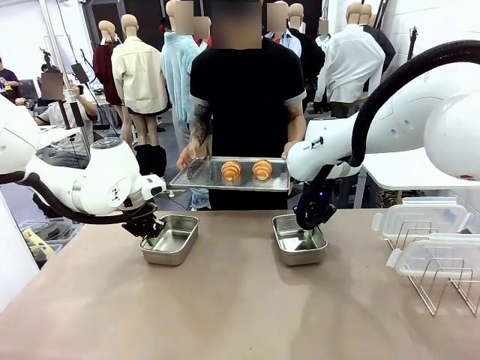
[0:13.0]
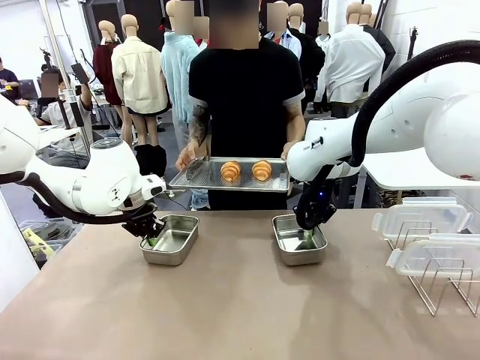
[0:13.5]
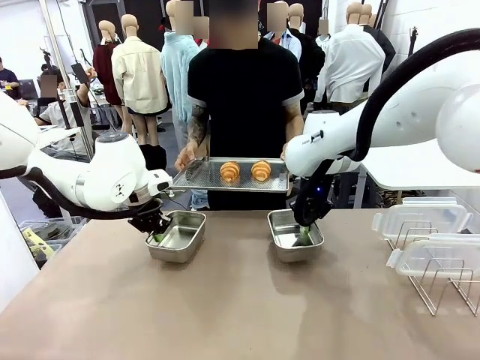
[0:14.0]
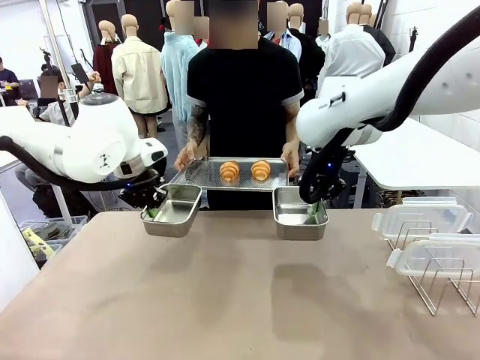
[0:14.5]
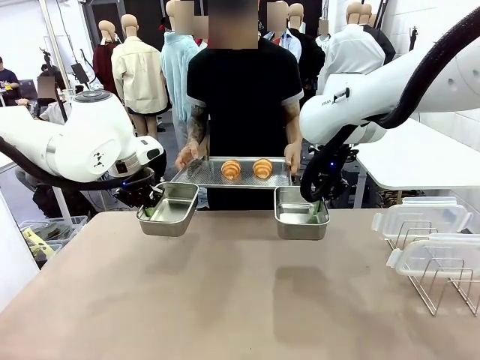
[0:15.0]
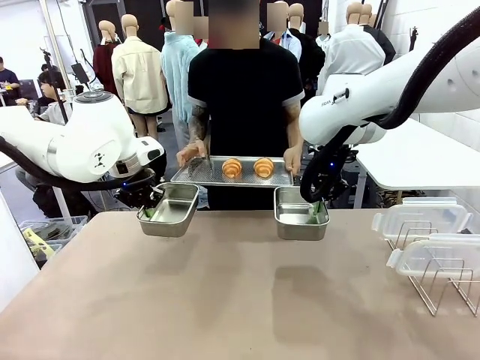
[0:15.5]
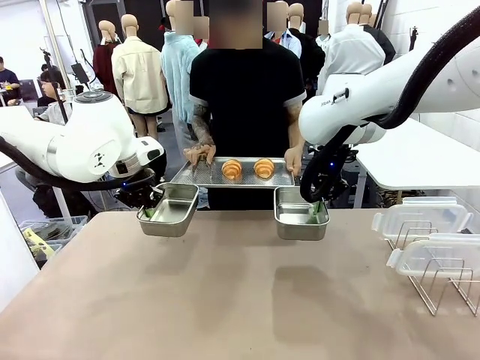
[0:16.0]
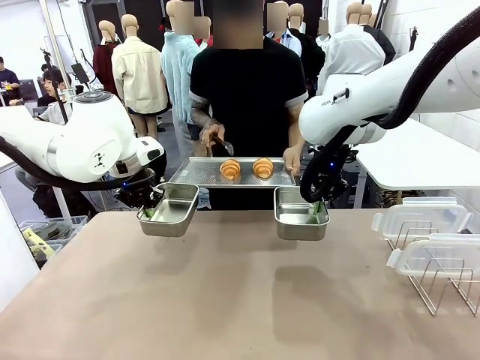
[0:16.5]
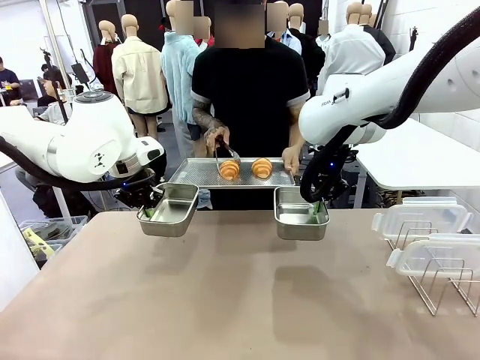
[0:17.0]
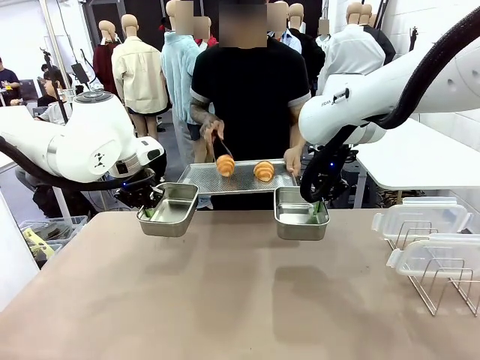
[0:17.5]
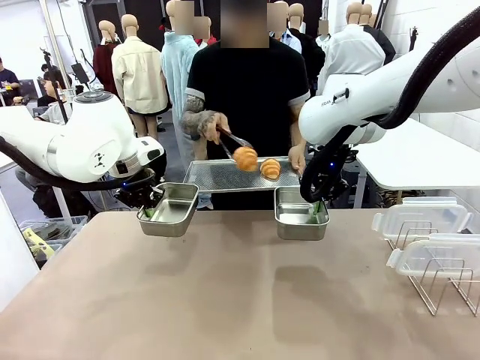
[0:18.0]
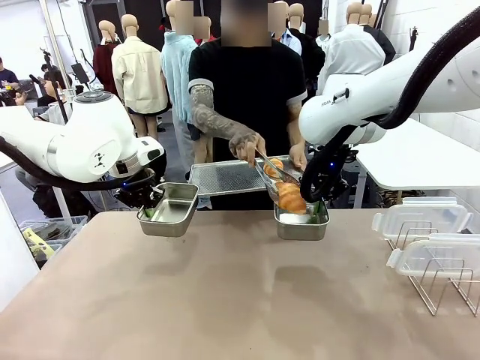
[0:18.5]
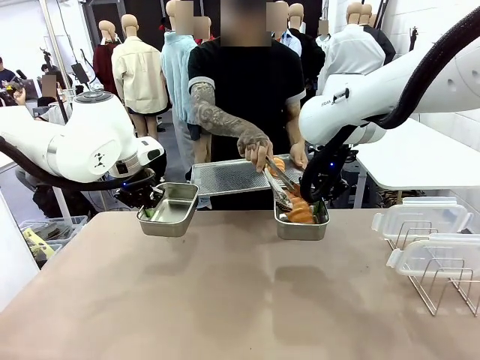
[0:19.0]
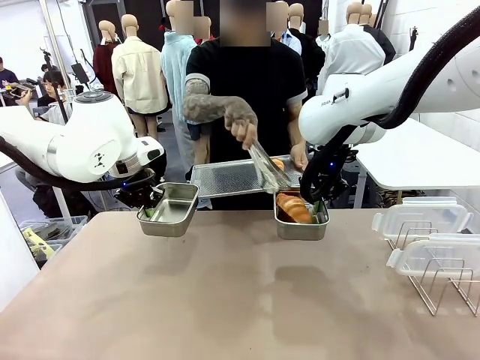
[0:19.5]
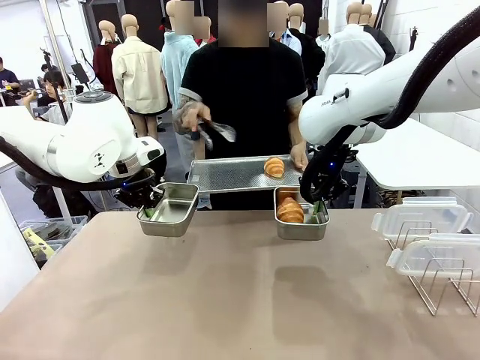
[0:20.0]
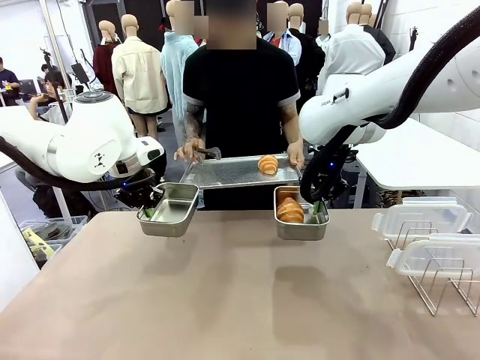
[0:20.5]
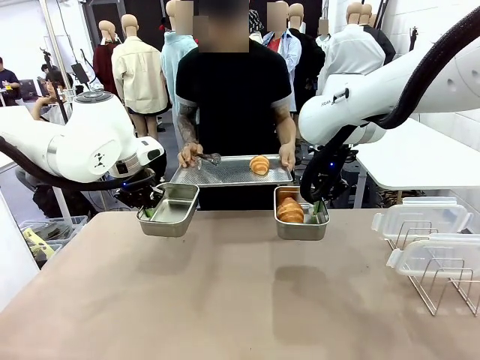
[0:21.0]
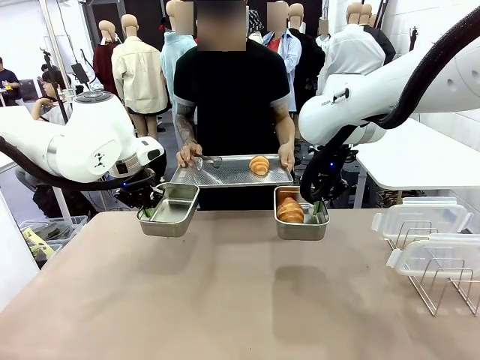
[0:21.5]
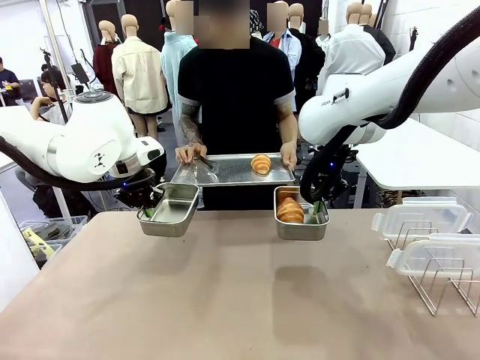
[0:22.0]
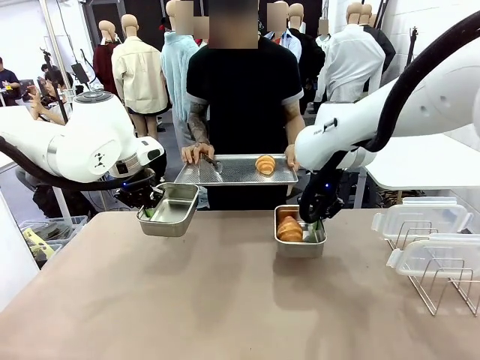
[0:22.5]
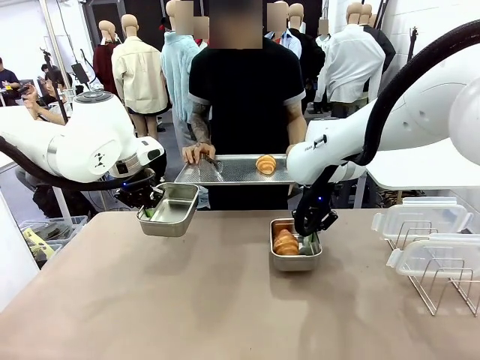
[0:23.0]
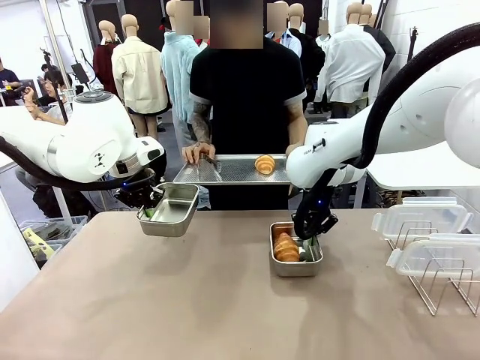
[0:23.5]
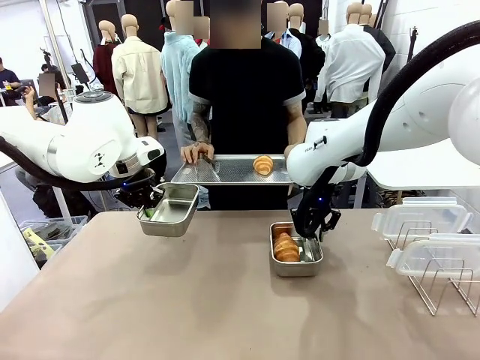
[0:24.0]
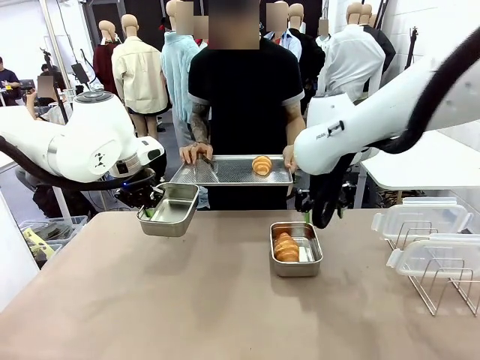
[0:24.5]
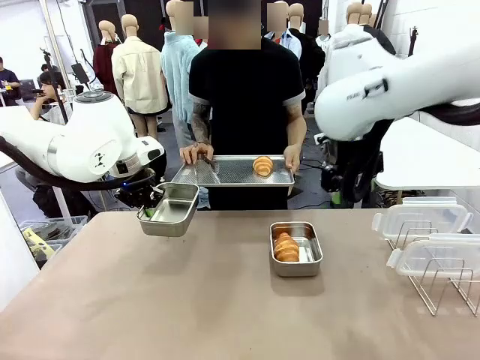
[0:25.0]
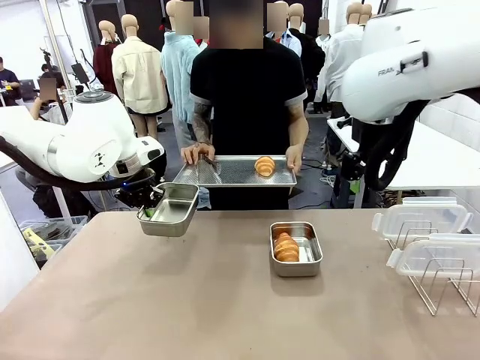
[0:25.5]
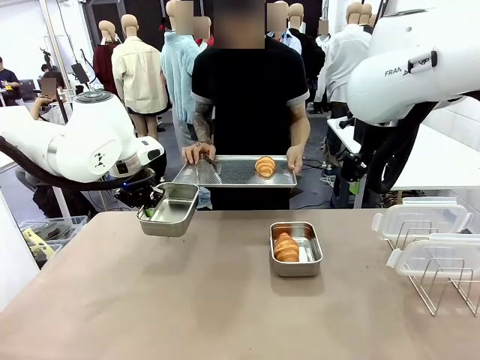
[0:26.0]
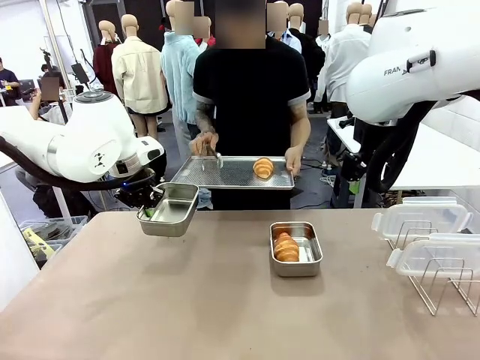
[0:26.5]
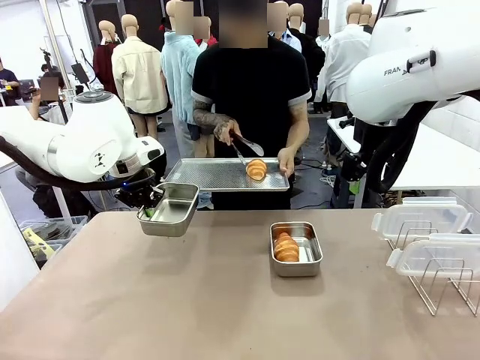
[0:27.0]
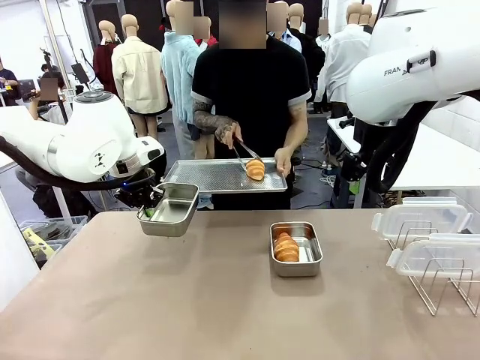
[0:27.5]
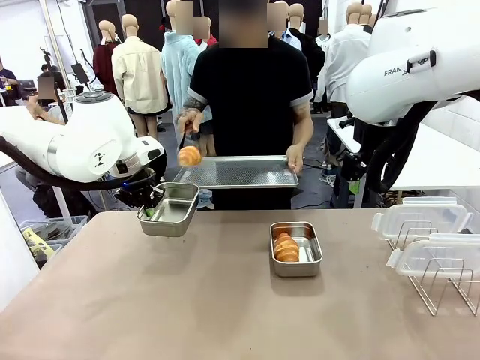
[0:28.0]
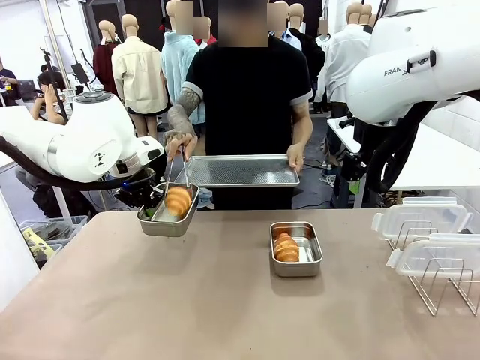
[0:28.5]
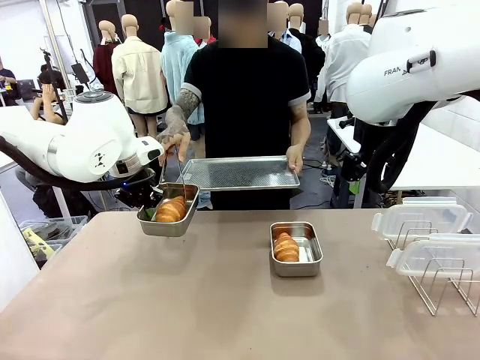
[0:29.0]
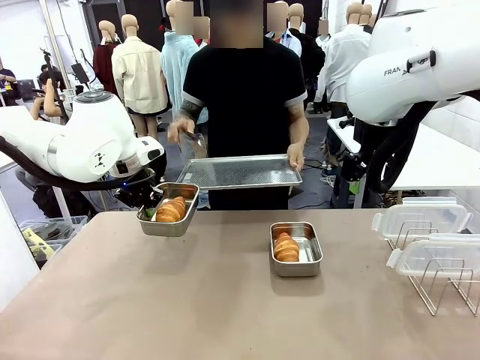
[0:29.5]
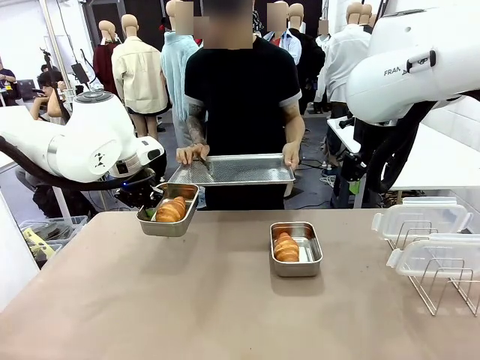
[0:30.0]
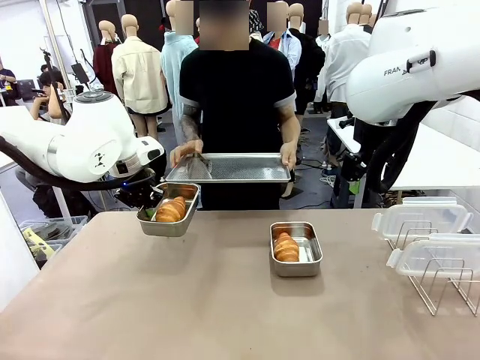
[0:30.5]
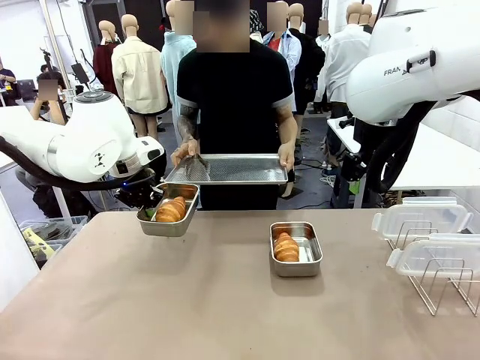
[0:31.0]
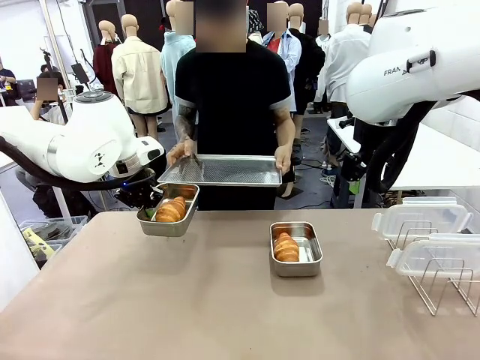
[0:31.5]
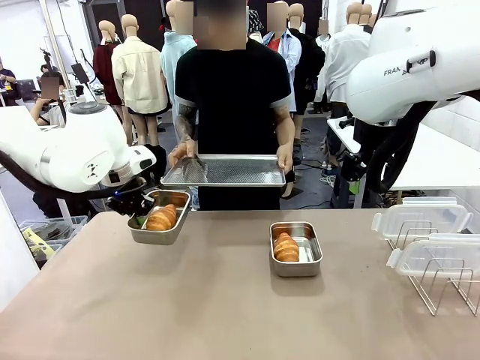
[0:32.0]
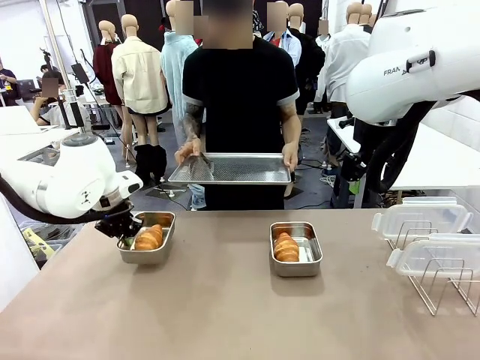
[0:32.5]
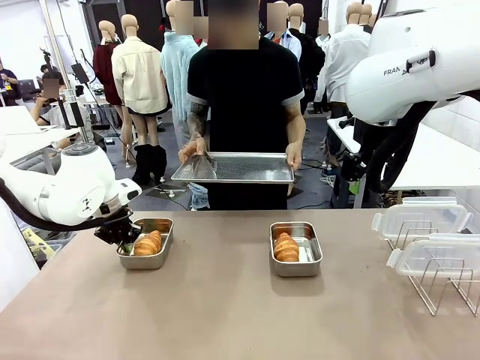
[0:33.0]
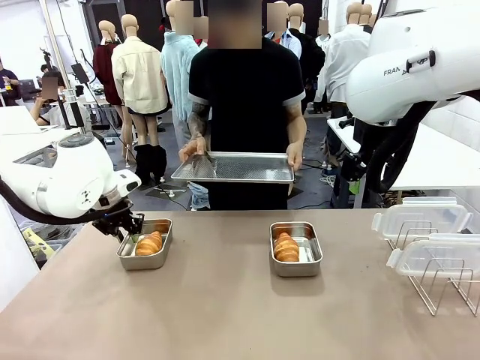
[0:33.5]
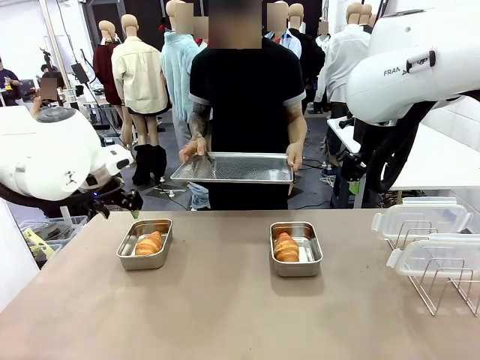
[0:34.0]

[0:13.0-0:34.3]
Task: Place the bread in airtight containers.
Robot: Once an object is inside an Airtight Container , place the container in the center of the table.
Person: Use the Stainless steel tongs to place one object from Baking Sheet into one Airtight Container.
